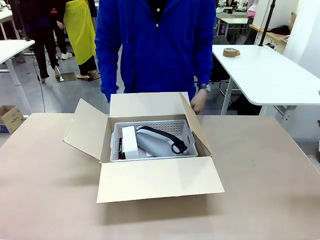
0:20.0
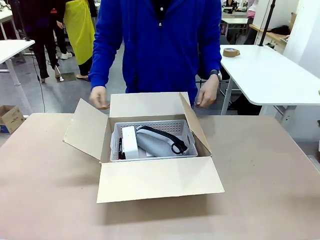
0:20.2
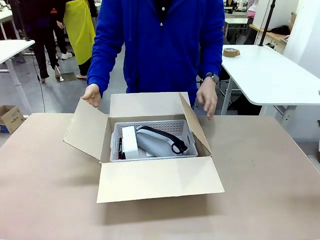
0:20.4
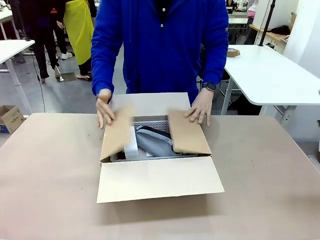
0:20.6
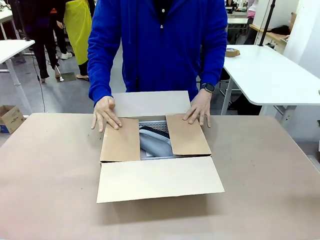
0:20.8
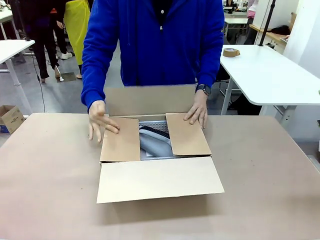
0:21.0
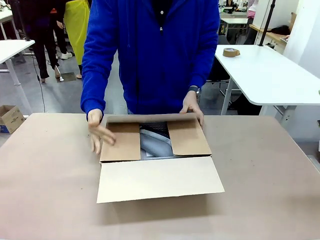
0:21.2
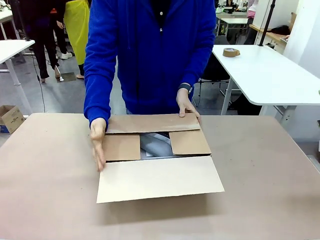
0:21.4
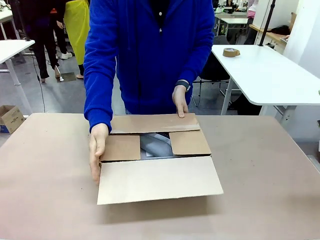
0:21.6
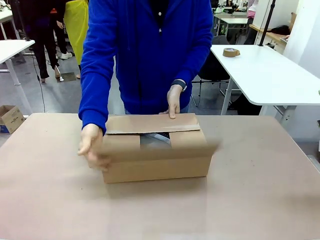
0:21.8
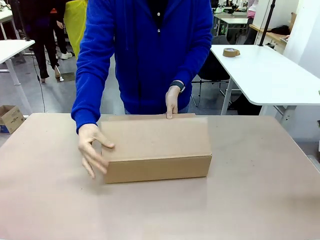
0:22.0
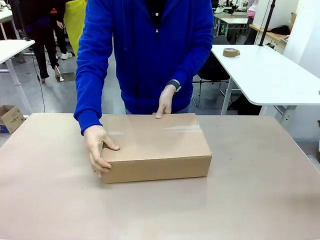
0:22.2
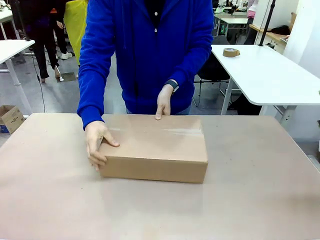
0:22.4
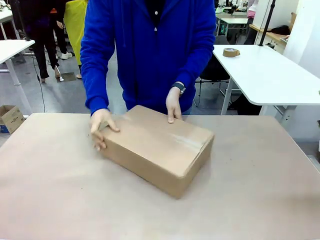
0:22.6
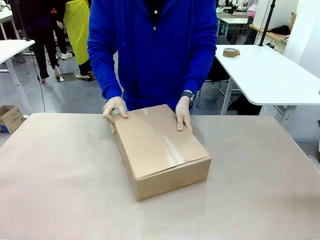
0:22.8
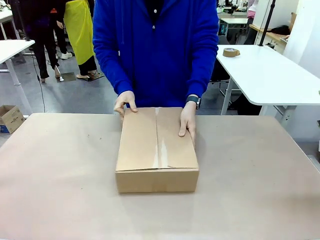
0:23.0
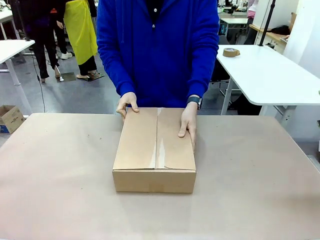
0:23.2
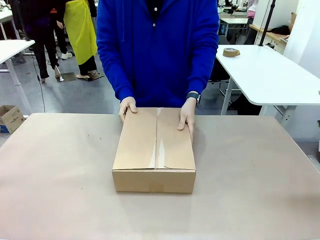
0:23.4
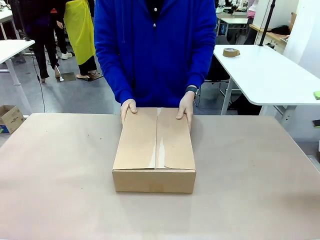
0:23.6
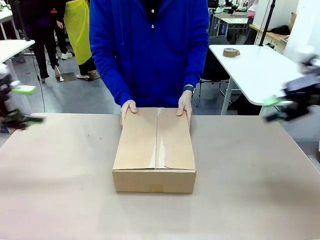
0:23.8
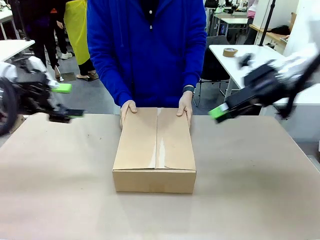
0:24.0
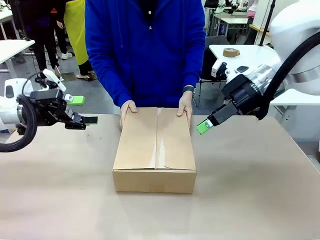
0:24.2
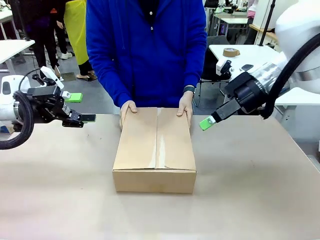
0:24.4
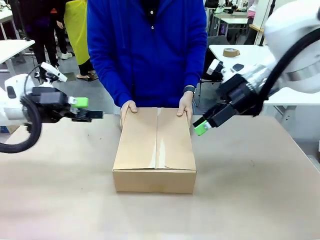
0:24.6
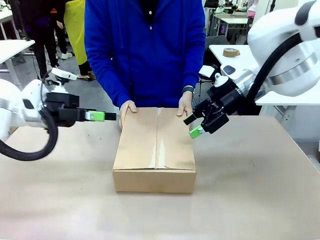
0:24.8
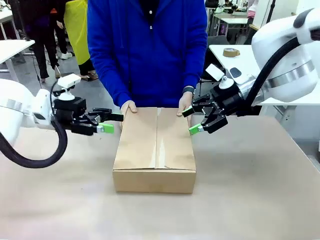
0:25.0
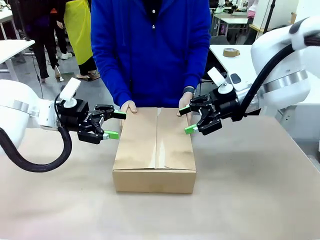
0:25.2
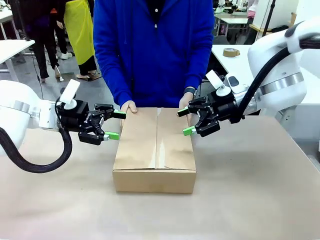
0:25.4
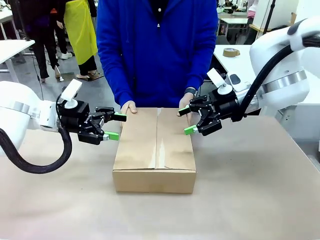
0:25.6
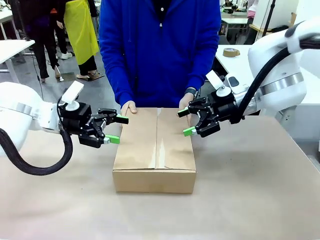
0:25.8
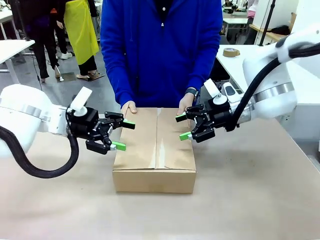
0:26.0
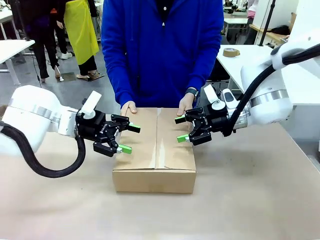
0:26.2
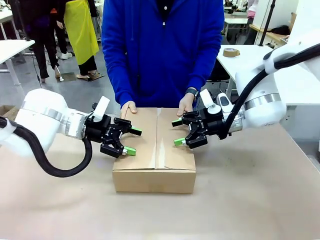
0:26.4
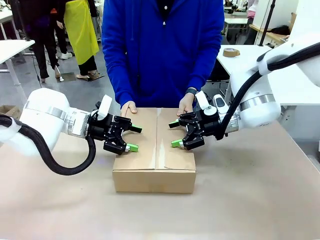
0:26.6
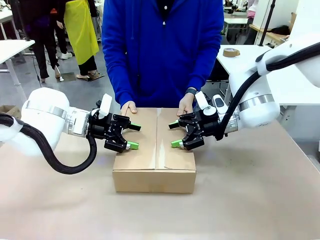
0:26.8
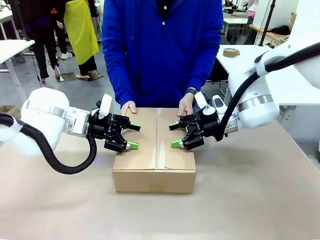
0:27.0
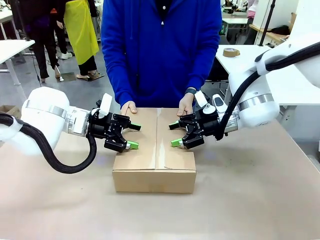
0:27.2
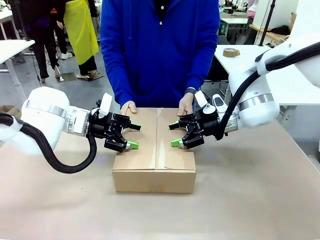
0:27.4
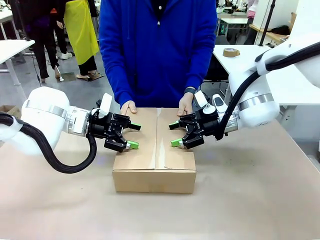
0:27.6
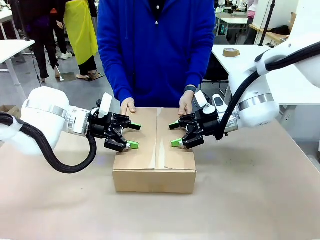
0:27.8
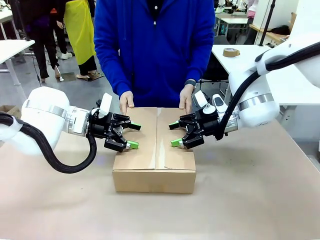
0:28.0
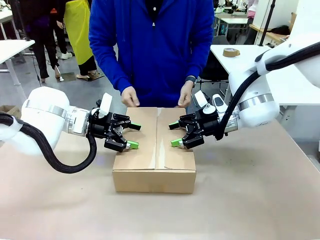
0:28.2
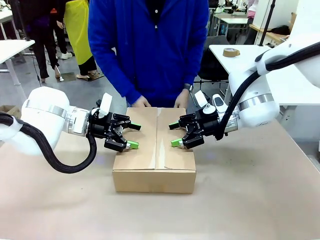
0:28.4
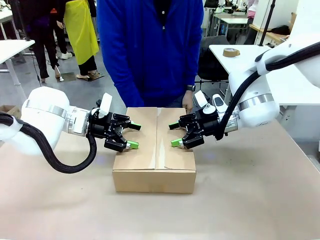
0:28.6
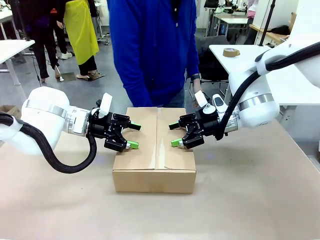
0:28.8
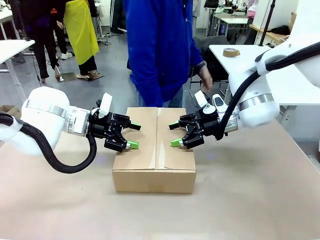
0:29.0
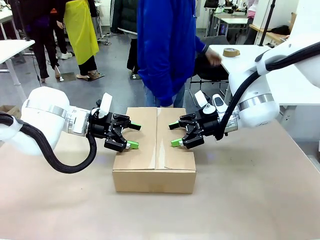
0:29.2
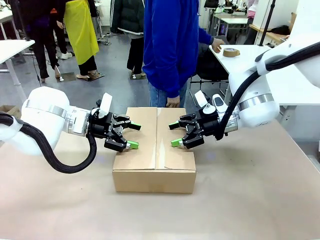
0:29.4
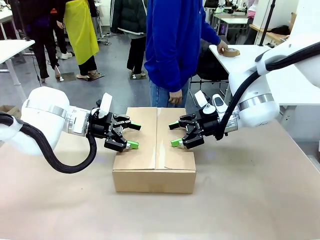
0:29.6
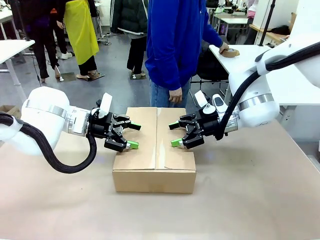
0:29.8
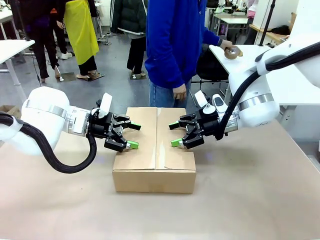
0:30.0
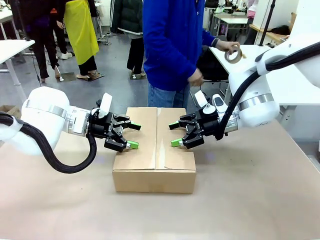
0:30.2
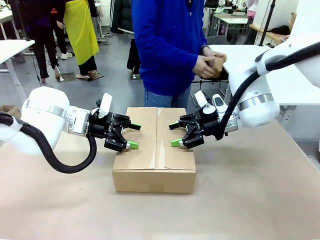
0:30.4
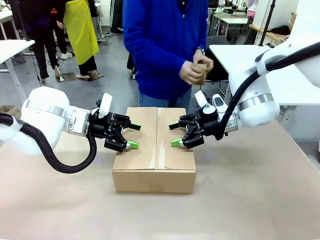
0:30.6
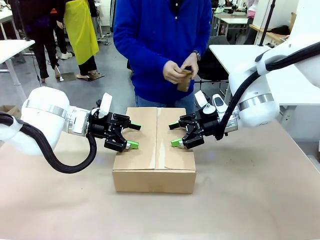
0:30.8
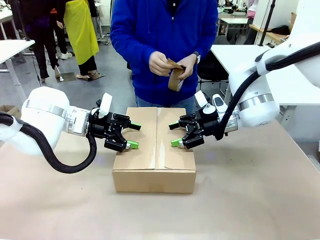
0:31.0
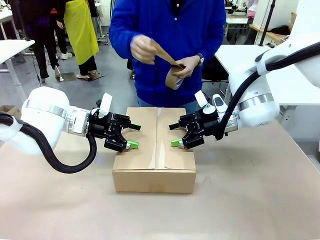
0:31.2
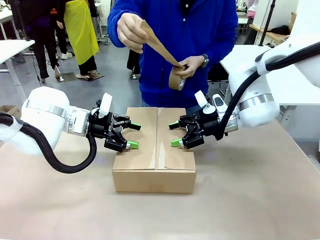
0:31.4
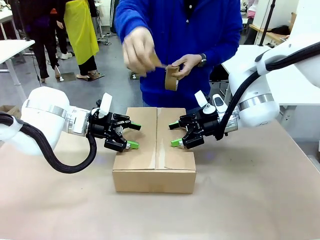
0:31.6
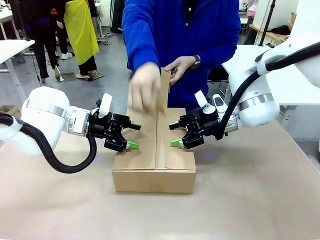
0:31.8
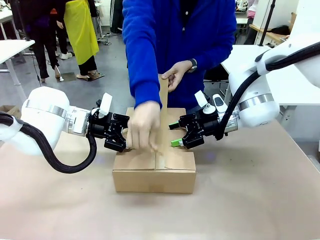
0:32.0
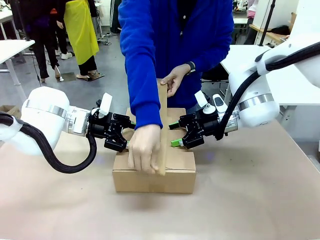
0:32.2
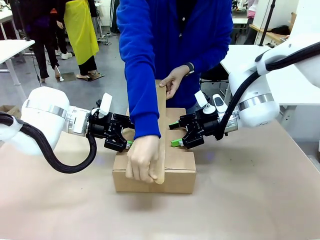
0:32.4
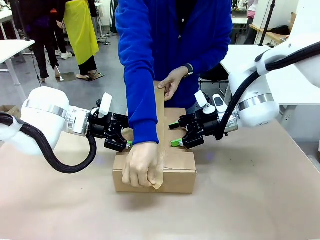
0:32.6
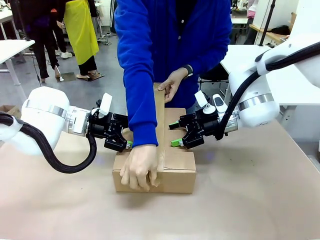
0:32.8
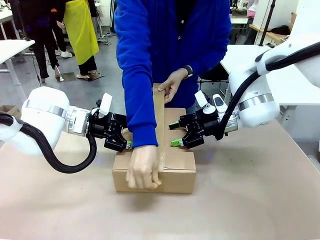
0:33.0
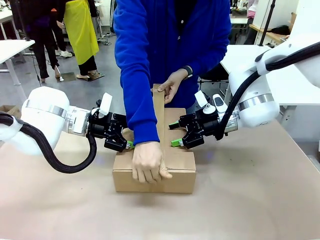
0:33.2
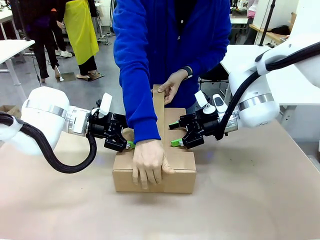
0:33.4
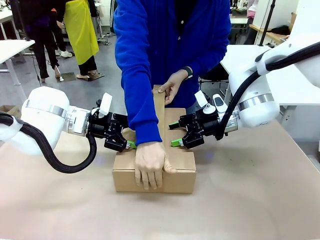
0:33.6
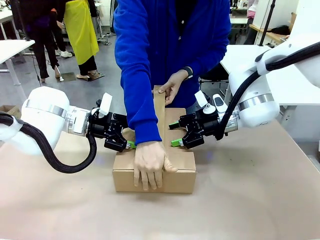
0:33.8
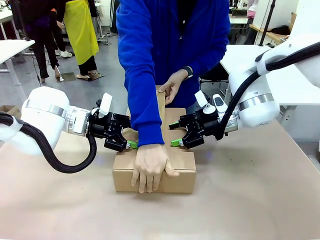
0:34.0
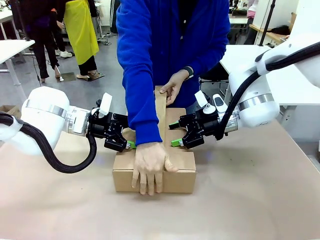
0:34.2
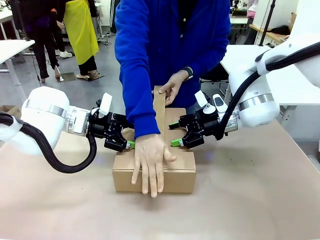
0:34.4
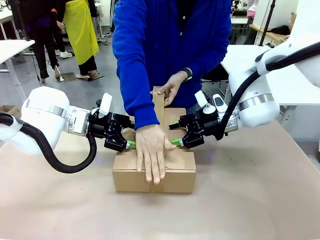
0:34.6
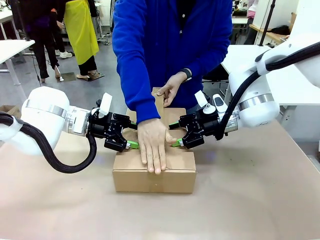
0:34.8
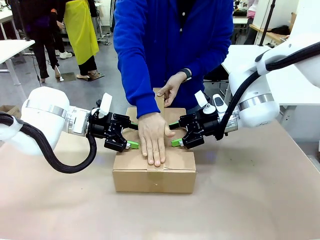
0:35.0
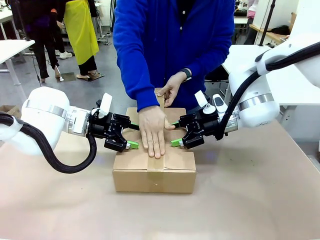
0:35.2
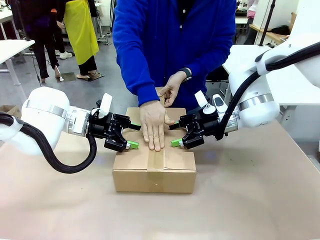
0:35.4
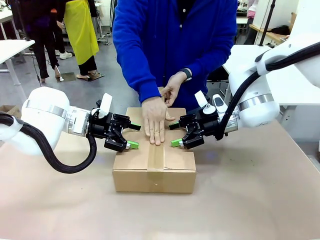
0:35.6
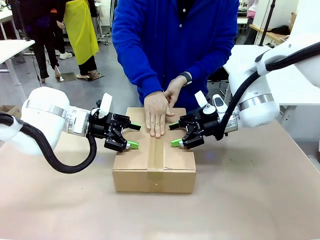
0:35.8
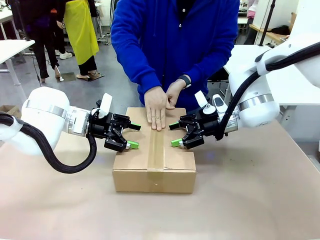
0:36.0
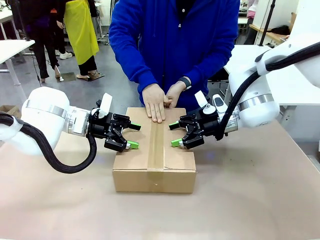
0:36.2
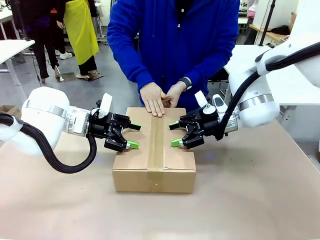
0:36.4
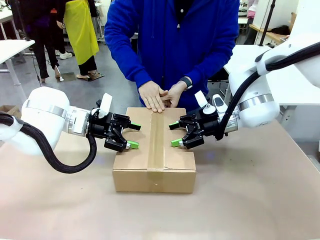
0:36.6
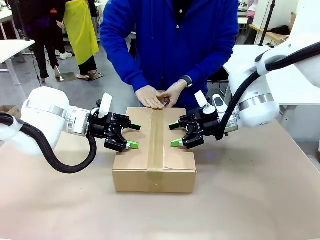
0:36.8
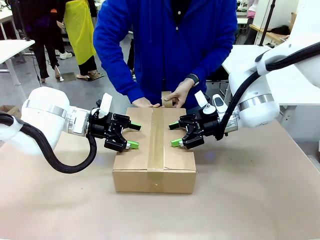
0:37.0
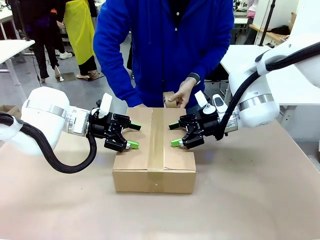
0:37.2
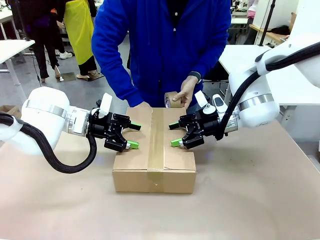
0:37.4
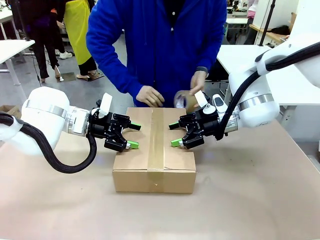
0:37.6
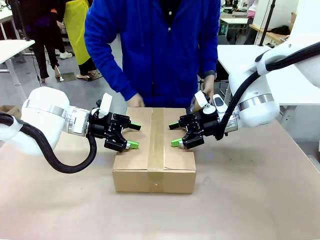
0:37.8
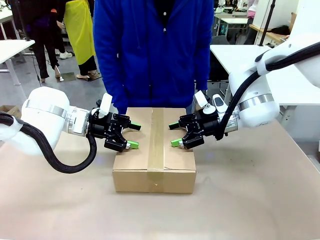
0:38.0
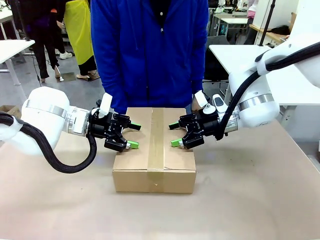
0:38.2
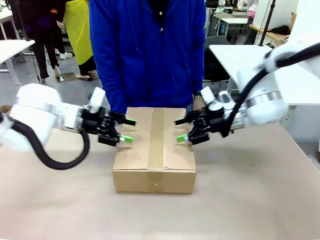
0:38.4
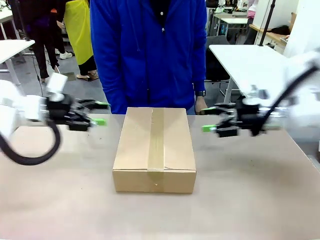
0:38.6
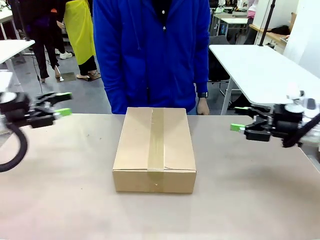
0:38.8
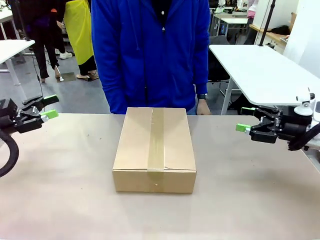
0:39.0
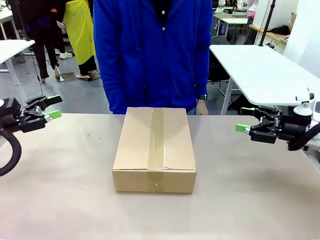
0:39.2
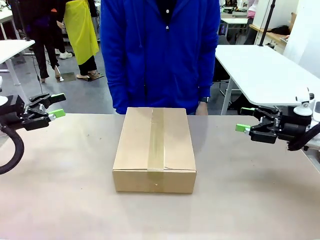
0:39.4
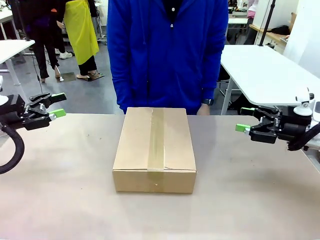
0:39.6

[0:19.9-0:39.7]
Task: Pack the gift set into the box.
Robot: Press and hold the closed box until the human finishes sealing it.
Person: The human closes the box and rotates the box by 90 degrees. The human picks up the paper tape from the human table and packs the box.
